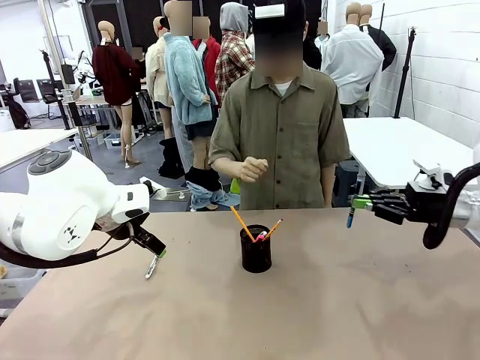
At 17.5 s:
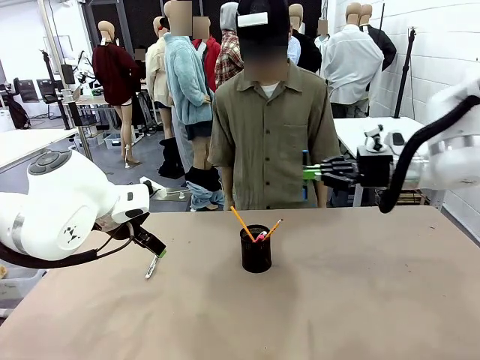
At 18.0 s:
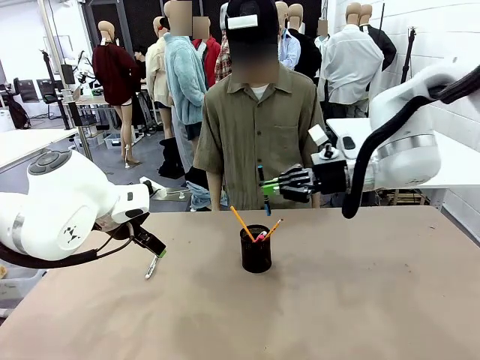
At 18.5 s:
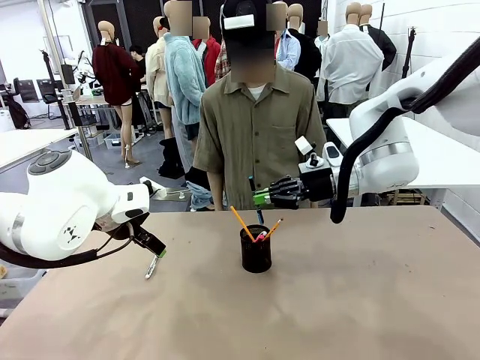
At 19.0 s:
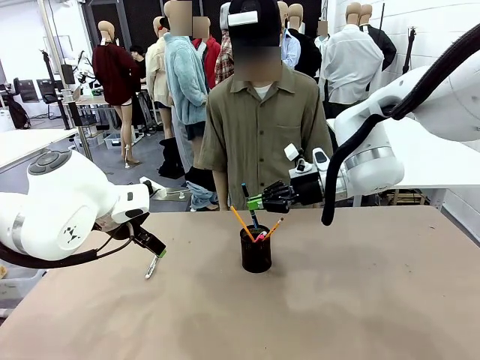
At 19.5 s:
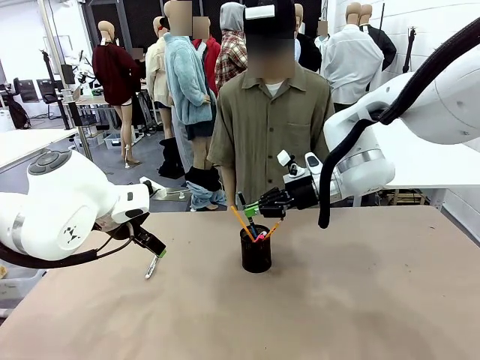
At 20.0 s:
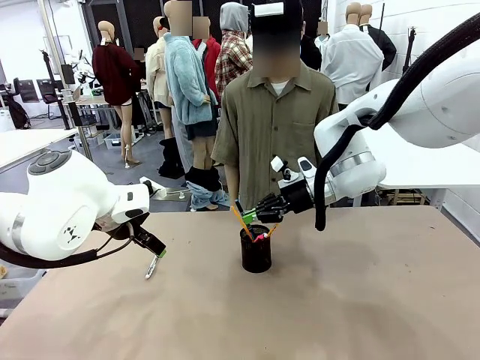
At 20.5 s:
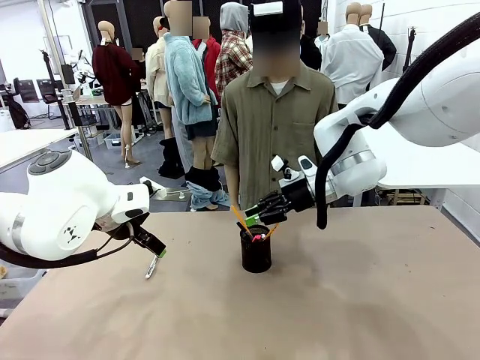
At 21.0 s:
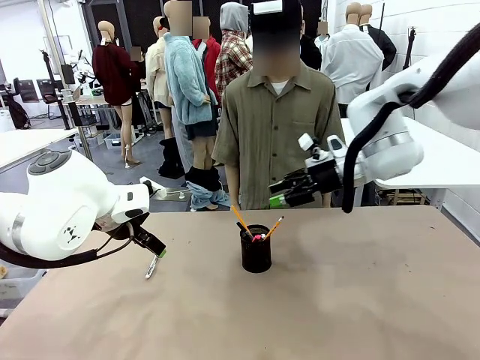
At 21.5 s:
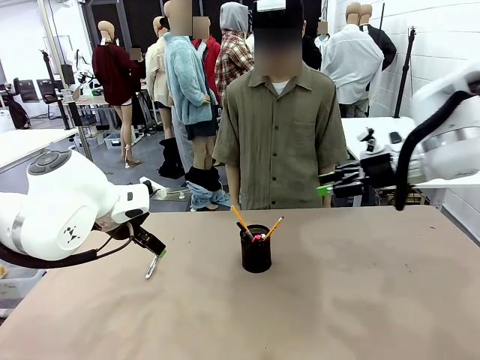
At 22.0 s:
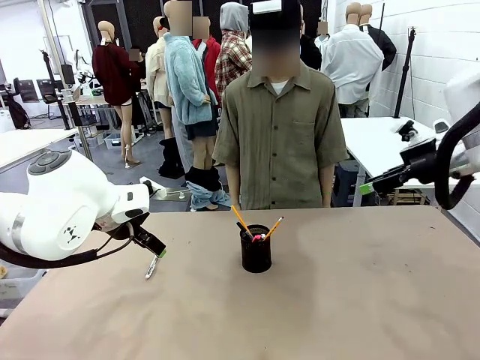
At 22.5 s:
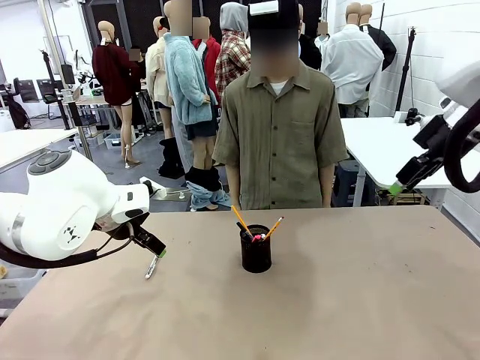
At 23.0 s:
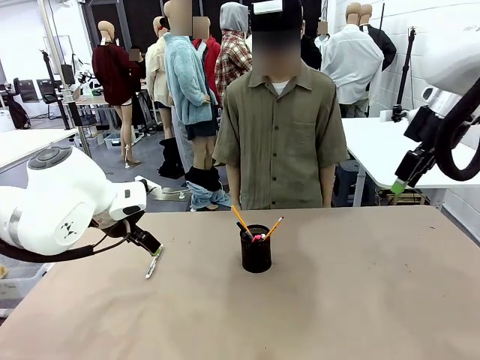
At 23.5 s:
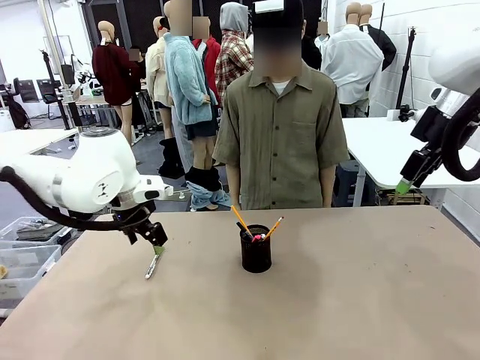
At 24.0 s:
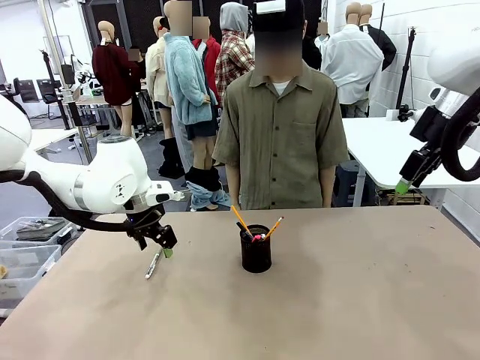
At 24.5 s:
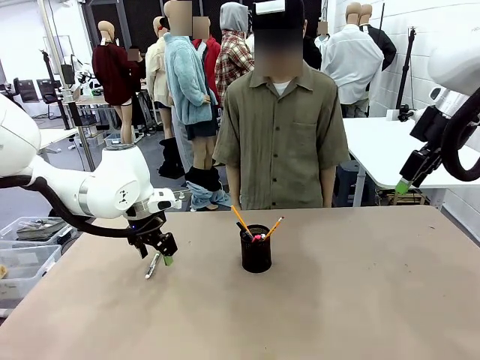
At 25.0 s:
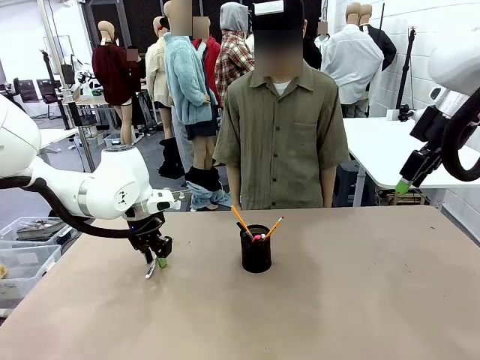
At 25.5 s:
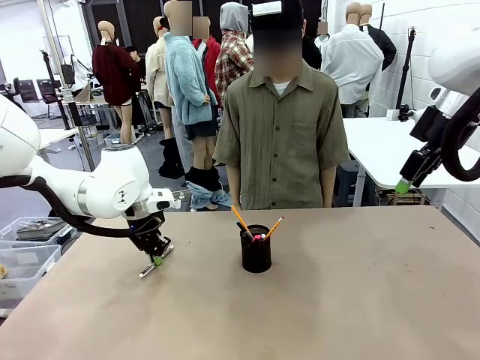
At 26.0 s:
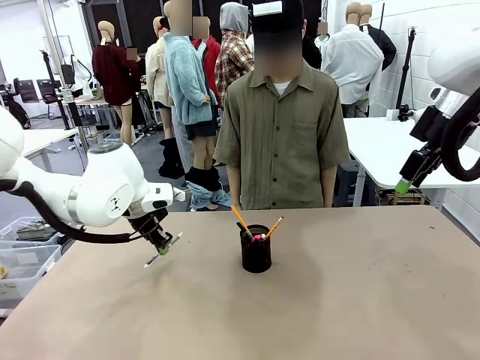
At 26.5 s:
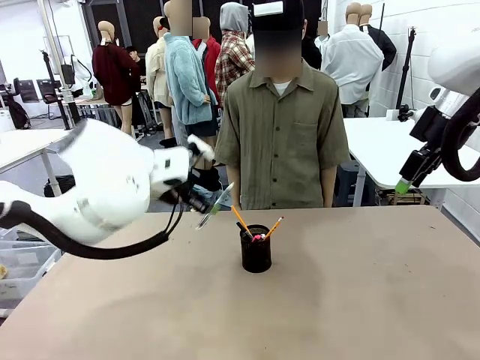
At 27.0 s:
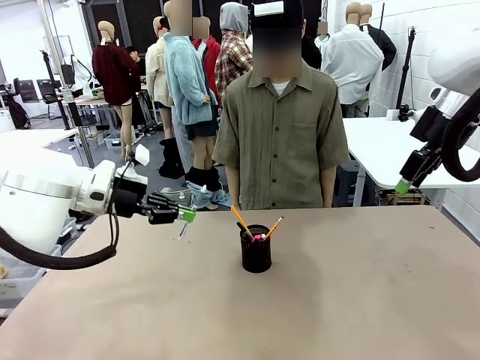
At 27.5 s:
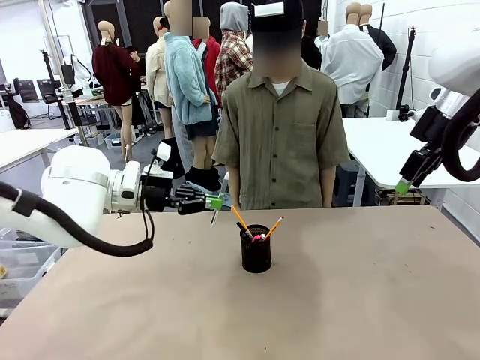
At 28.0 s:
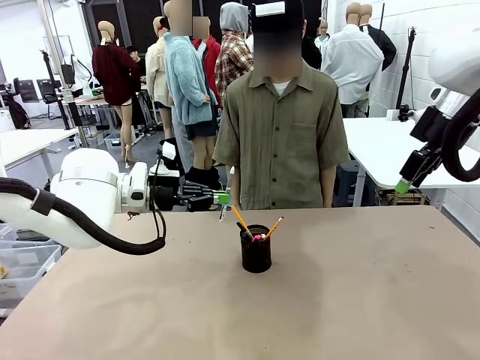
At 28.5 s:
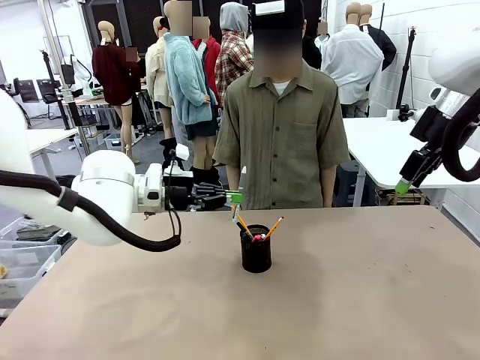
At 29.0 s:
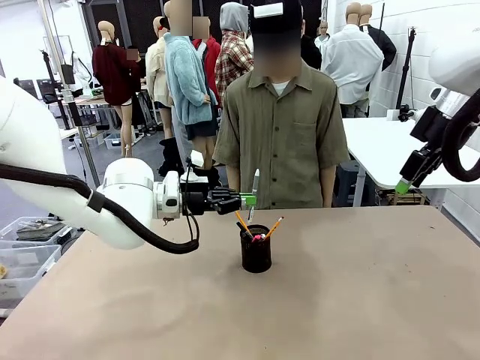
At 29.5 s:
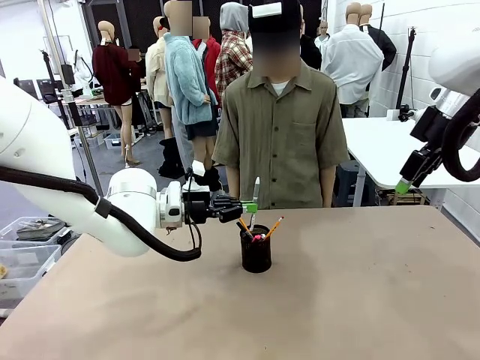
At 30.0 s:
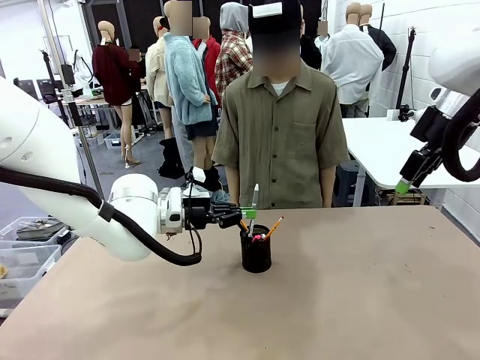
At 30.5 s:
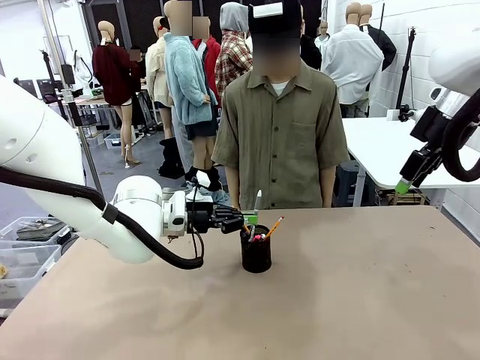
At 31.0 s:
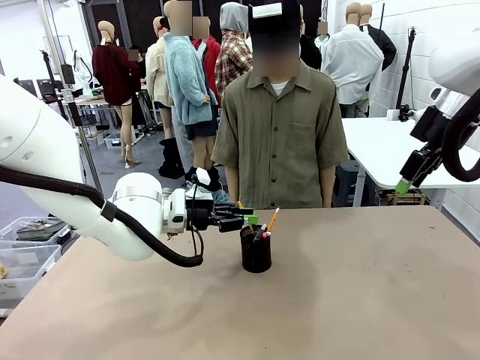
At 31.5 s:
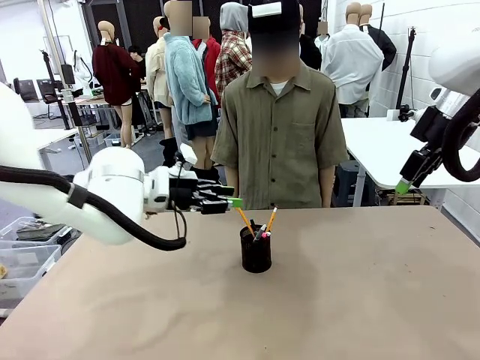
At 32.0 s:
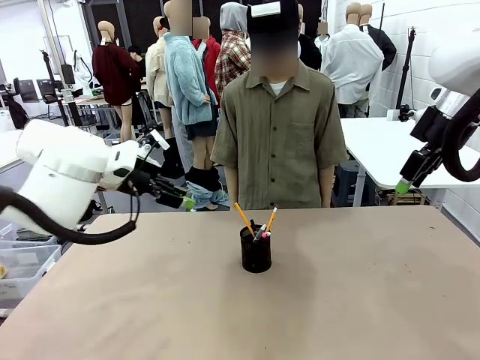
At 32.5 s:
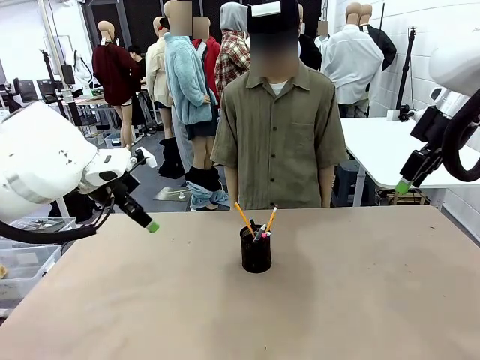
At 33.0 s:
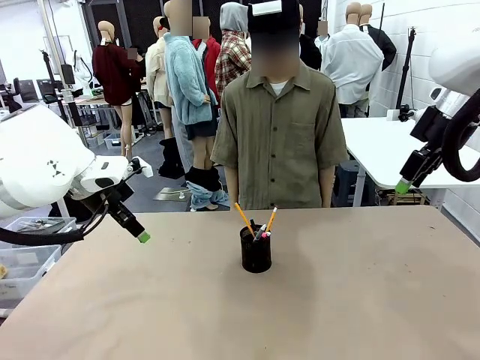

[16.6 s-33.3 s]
Task: Place the pens into the pen holder.
Robot: Pick up a writing instrument from the table and place it into the Pen holder.
Person: Place all writing instrument into the Pen holder.
